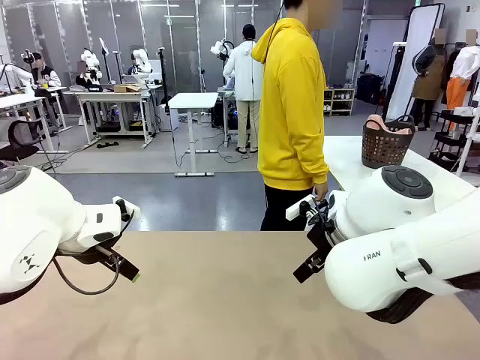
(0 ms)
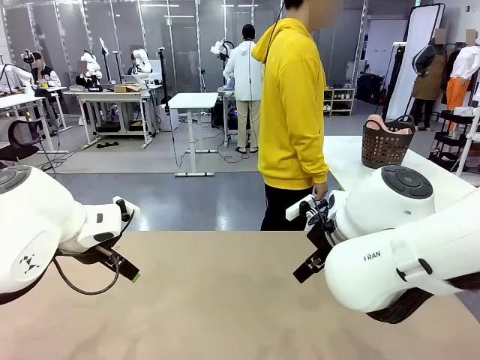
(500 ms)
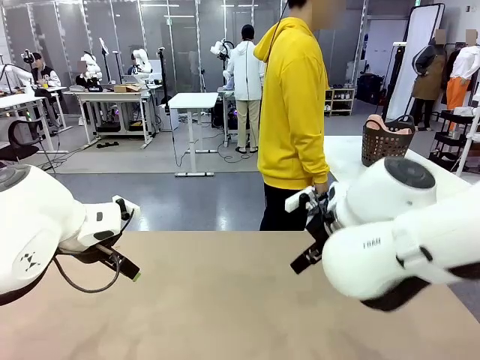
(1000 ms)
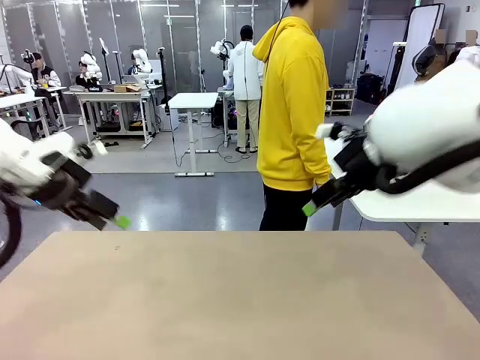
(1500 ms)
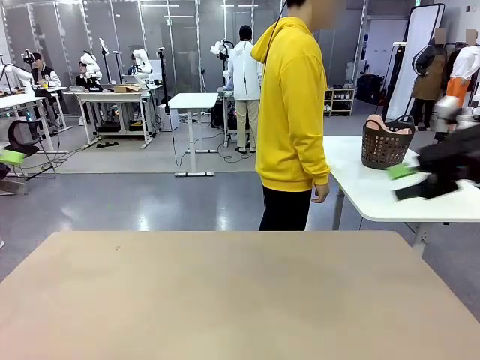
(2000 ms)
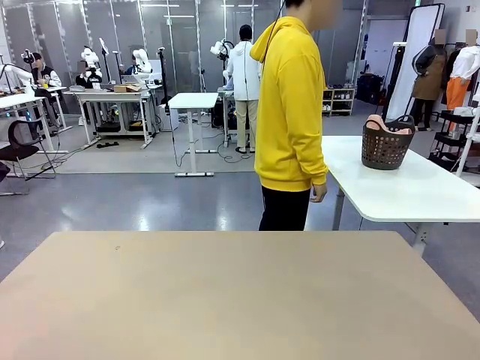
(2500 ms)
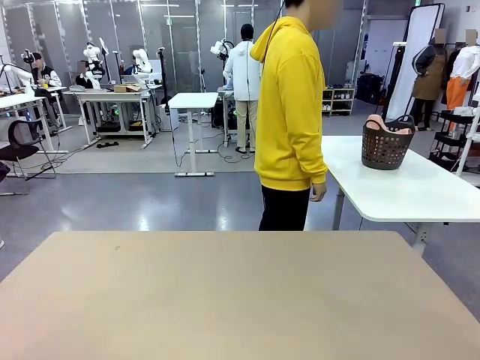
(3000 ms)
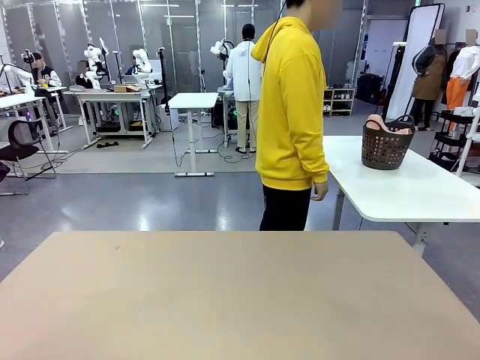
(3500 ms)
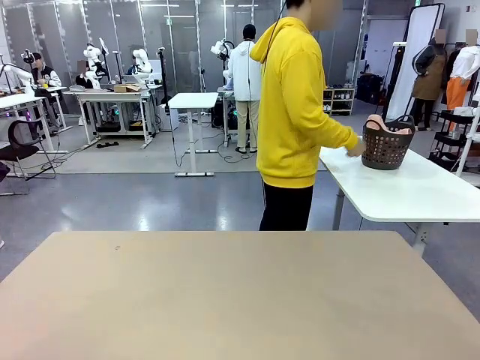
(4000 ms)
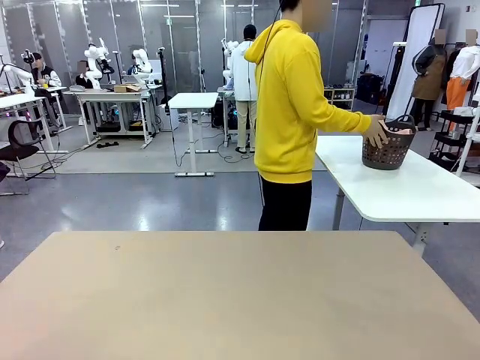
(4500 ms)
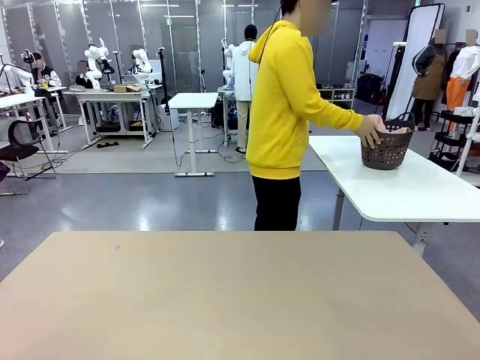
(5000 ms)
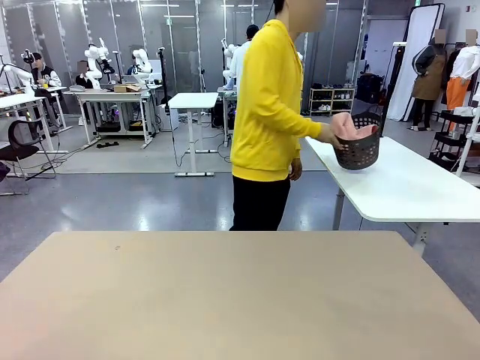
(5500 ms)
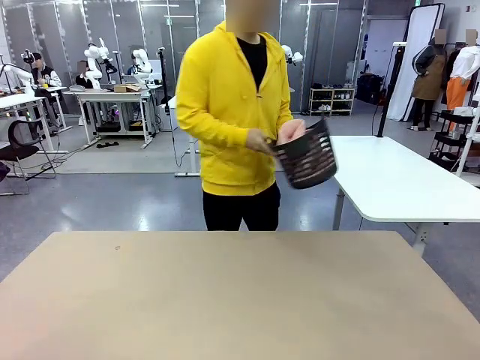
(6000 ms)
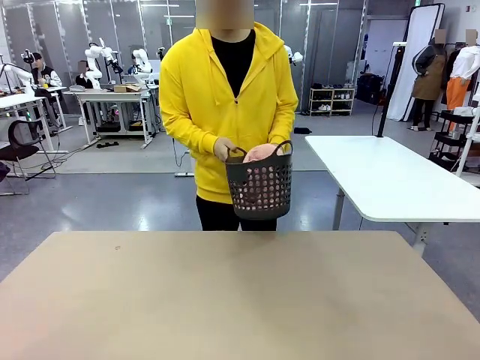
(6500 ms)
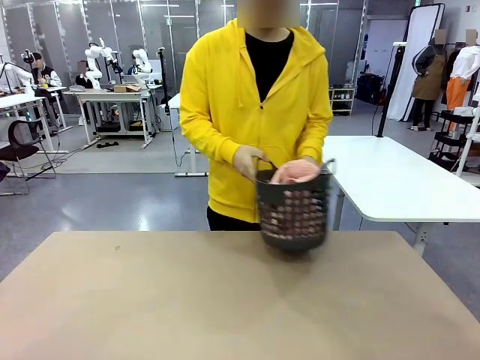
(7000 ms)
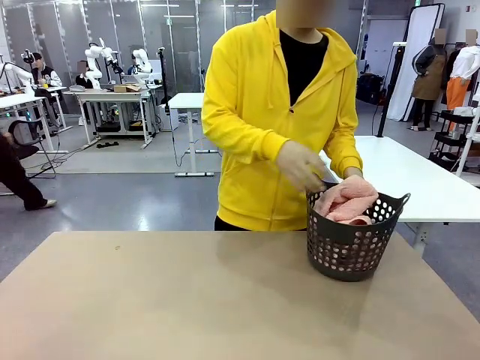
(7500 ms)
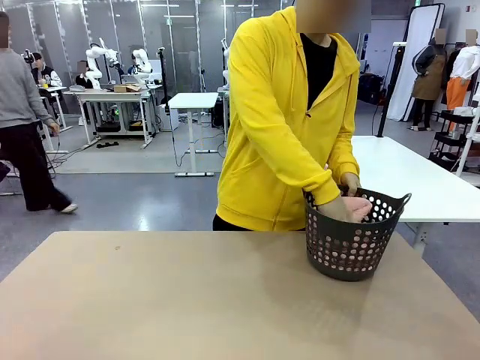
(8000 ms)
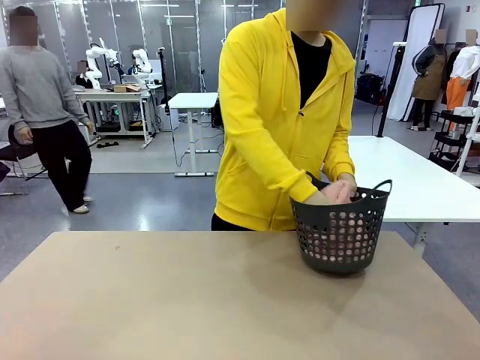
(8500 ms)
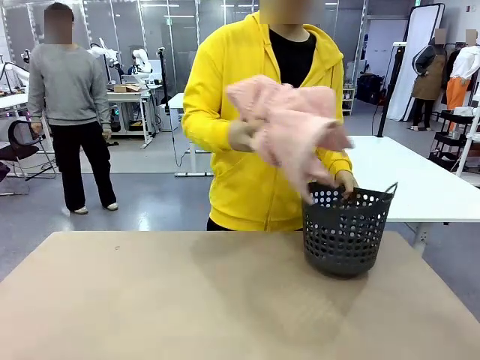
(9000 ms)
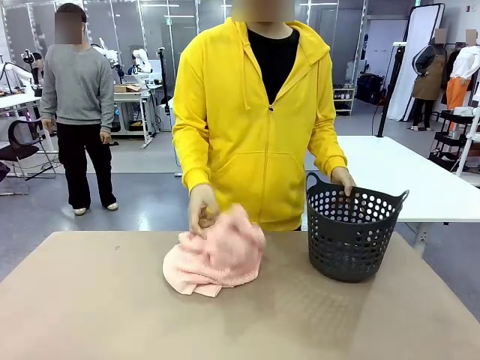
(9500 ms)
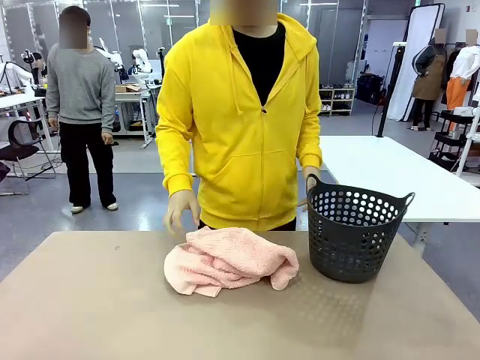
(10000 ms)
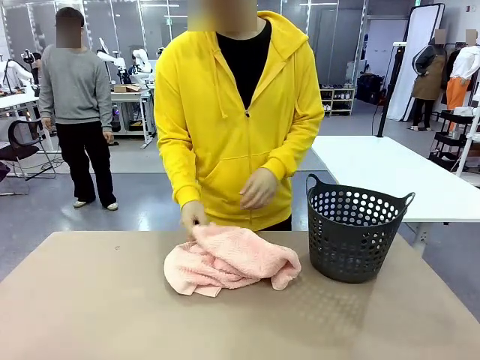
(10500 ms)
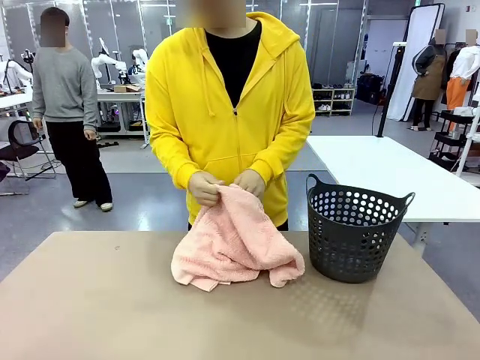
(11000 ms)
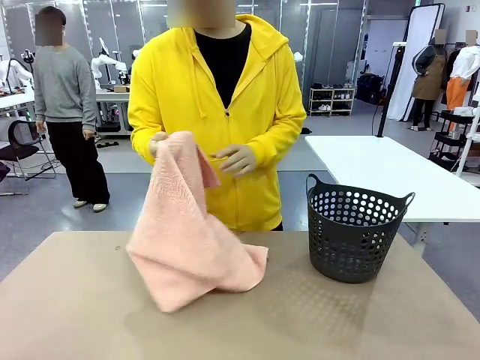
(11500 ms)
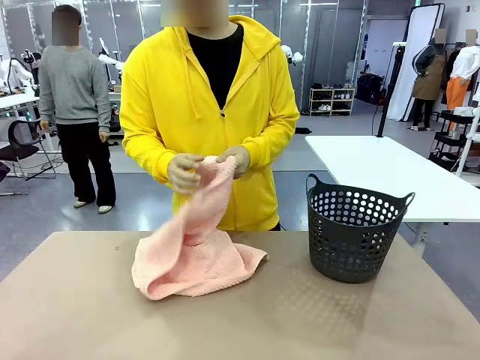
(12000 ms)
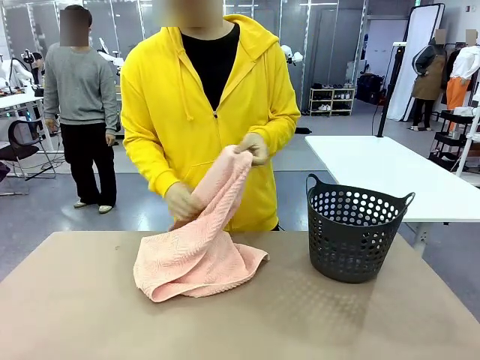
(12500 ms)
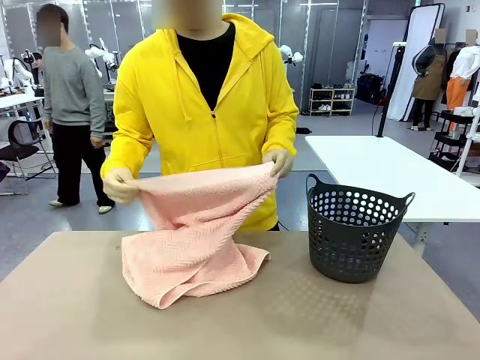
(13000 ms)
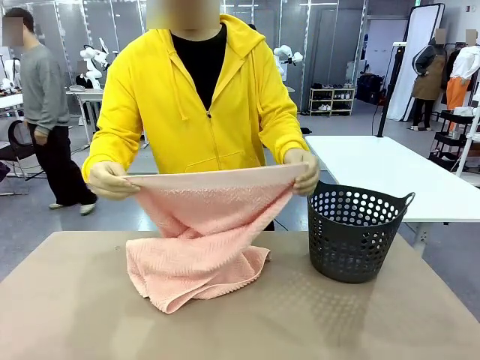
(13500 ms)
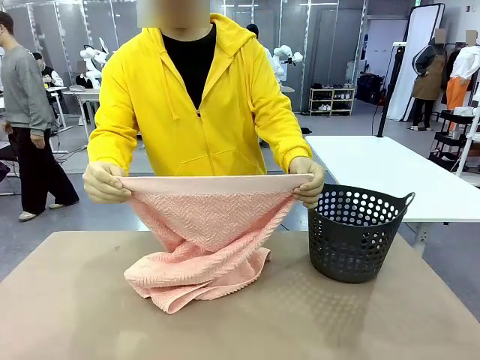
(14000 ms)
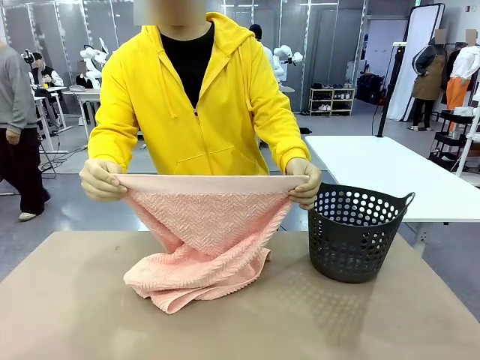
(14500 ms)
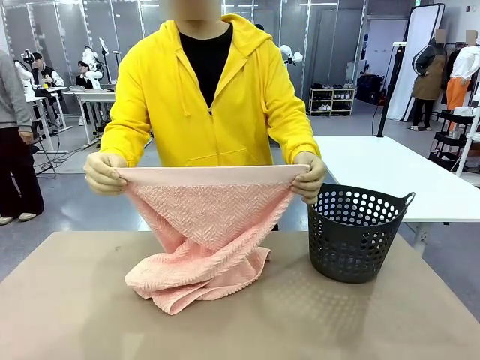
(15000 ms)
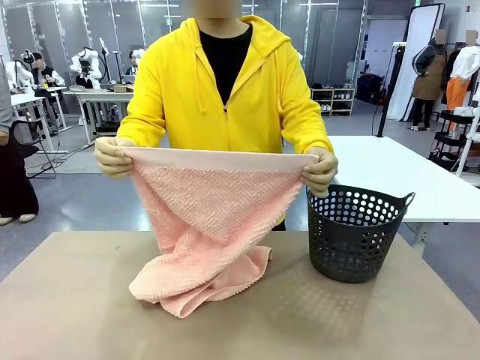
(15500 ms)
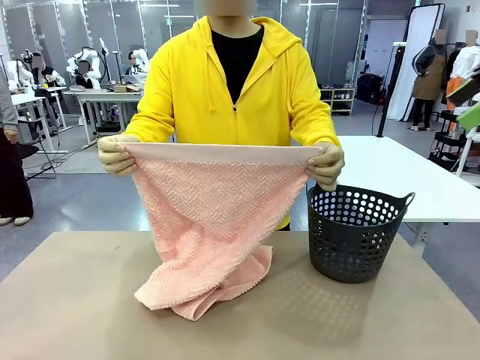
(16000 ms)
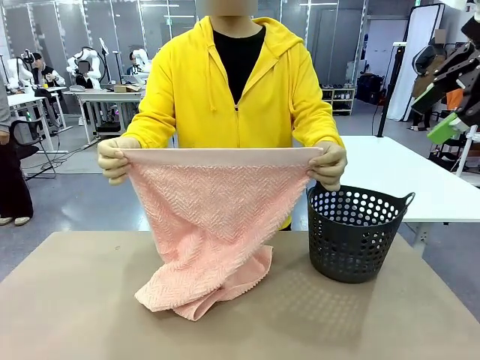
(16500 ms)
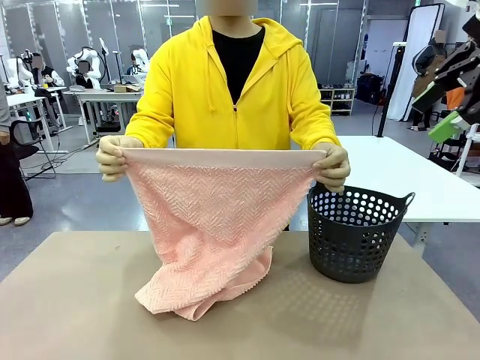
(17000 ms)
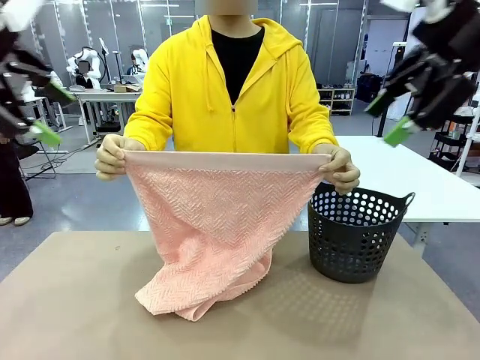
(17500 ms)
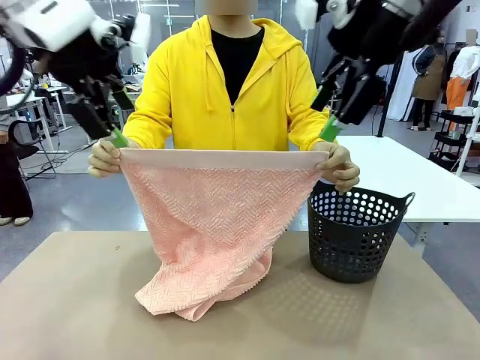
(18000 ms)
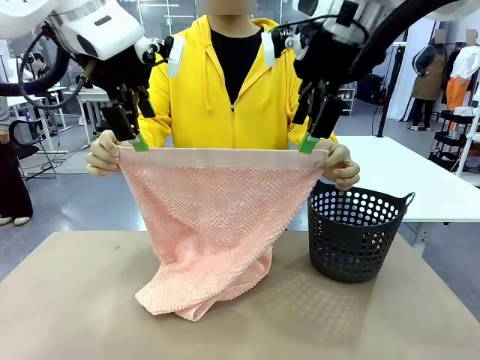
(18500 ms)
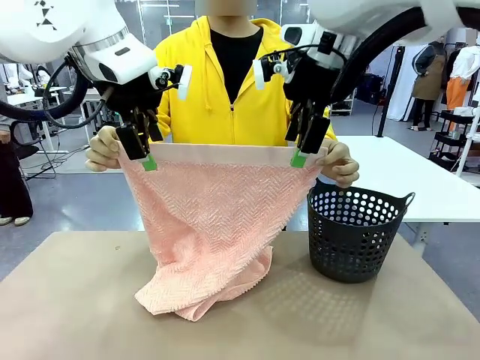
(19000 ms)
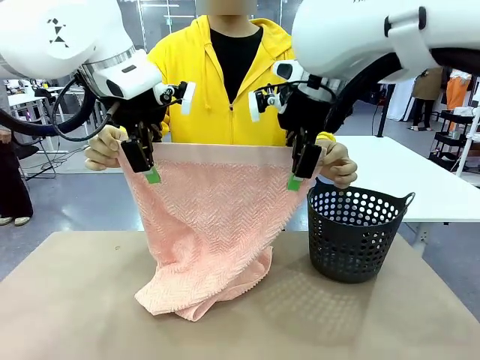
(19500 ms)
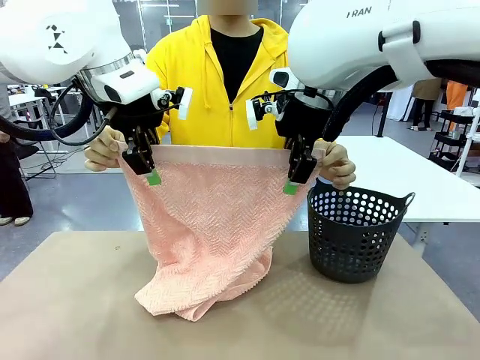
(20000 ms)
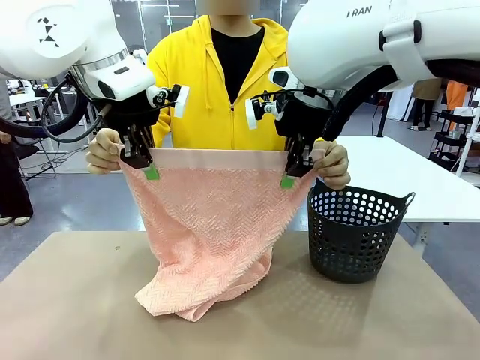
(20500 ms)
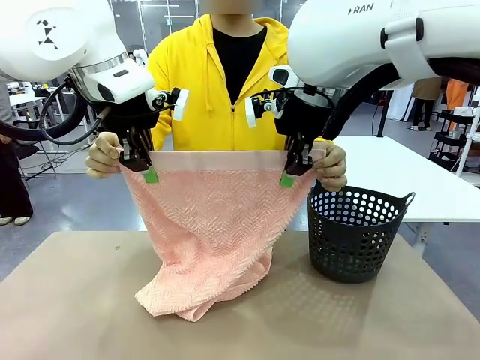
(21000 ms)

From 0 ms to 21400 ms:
Task: Fold the towel.
Robot: Grab the top end of the 100 cm Hotel Towel extended by the human.
Person: Pick up the laundry basket, place it on the left side of the robot table, then take out a towel and hand it to the robot while holding both corners of one end.

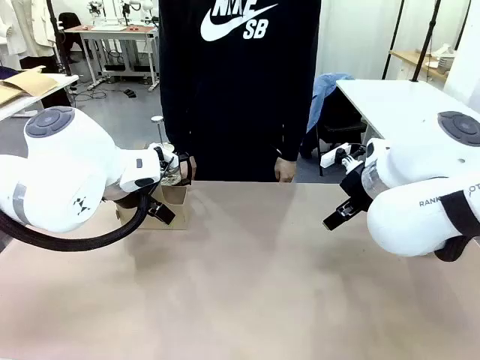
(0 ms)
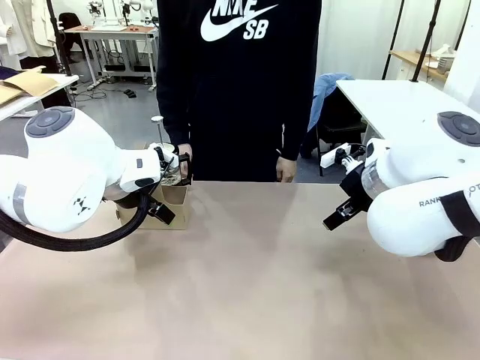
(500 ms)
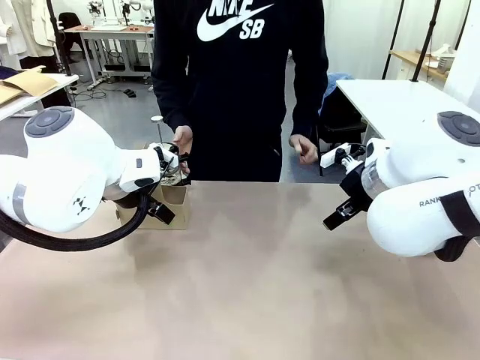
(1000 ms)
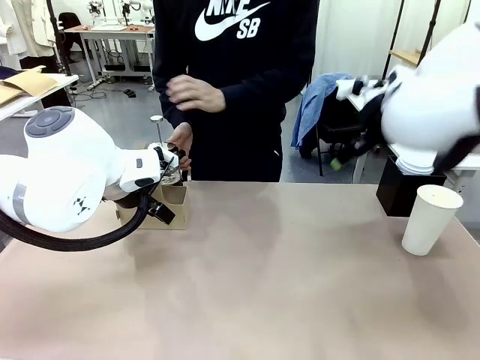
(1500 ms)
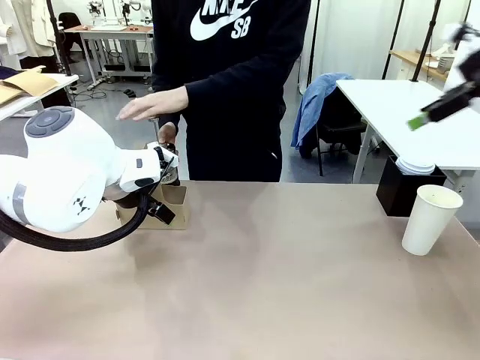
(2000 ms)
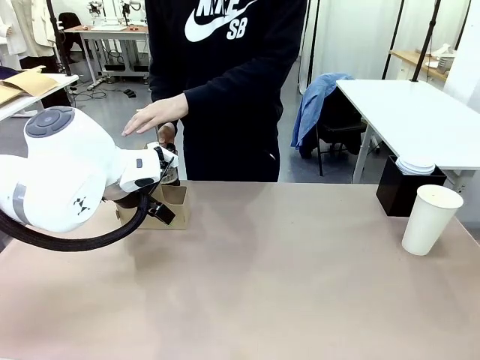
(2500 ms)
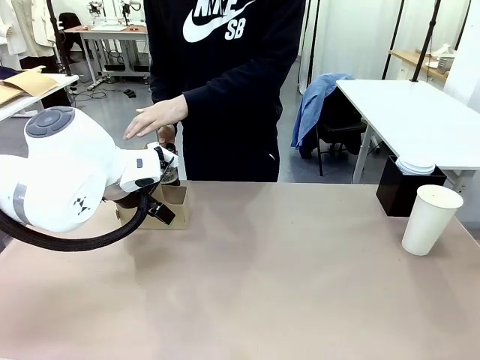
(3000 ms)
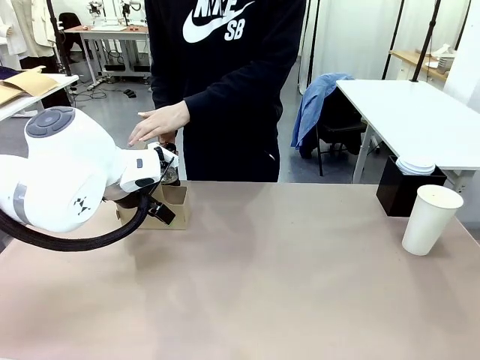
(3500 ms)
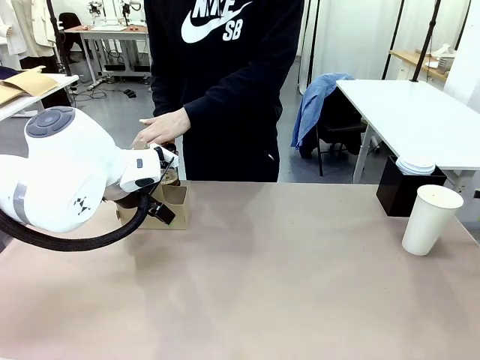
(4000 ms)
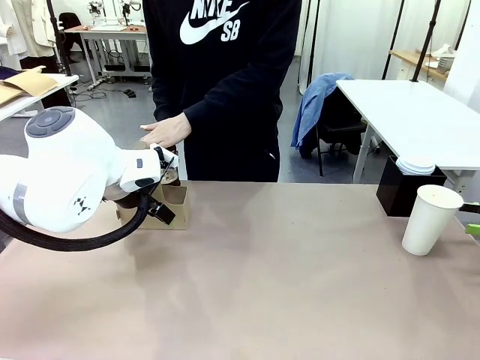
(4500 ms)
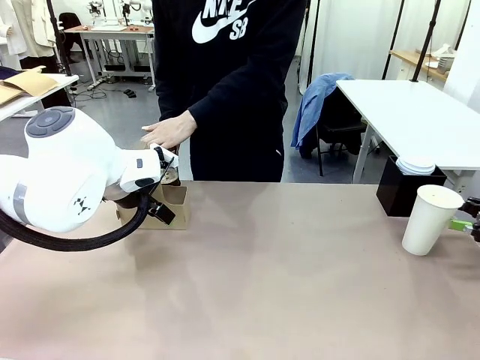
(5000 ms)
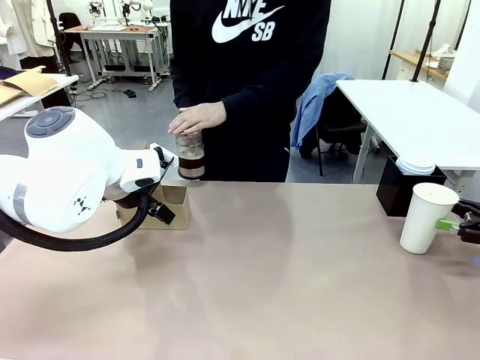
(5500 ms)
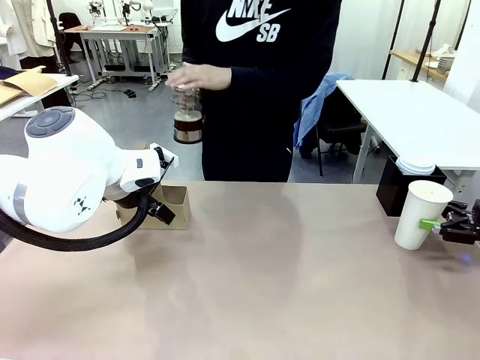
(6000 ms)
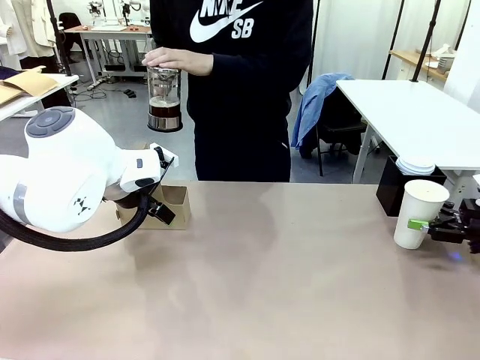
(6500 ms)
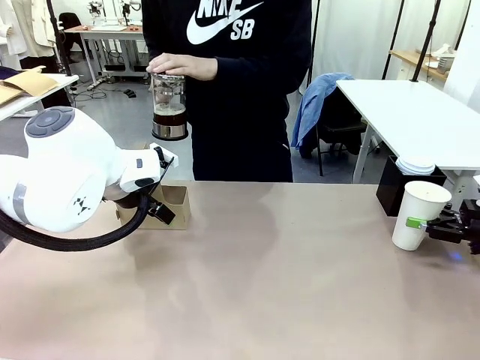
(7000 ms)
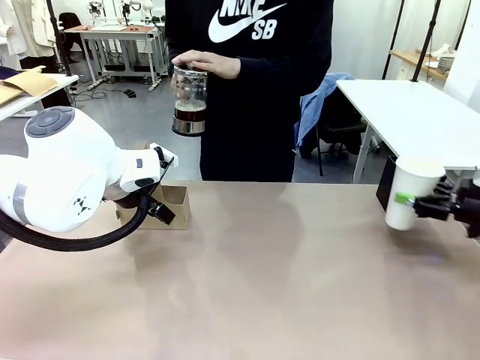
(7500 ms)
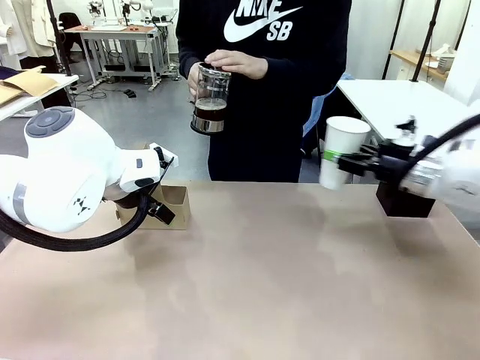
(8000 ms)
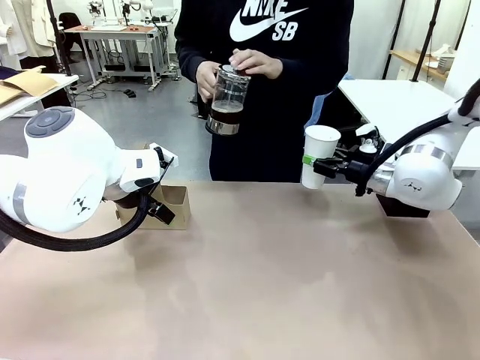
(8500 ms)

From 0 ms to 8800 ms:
Task: Pour a drink into a cup and package it in a carrier.
Robot: Pick up the 600 ml Paper Cup and place it in the middle top area of the table.
Person: Press and pick up the Filter Brewing.
